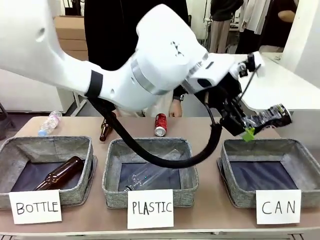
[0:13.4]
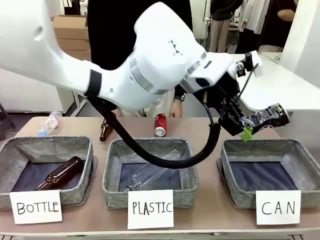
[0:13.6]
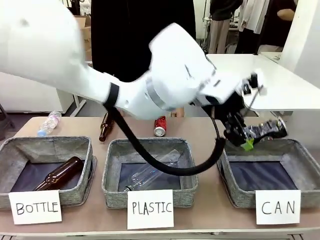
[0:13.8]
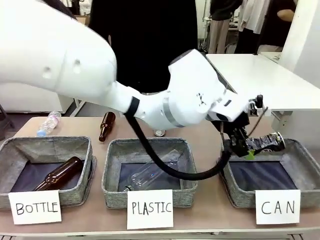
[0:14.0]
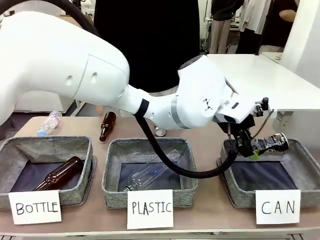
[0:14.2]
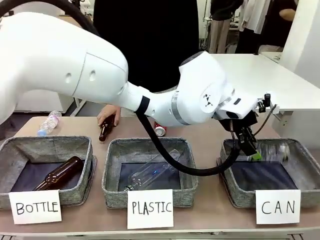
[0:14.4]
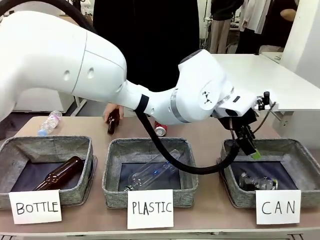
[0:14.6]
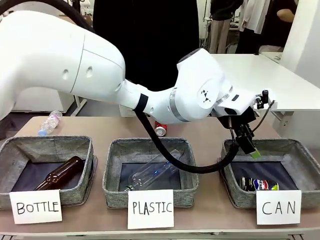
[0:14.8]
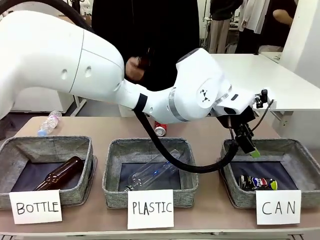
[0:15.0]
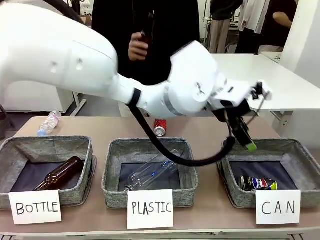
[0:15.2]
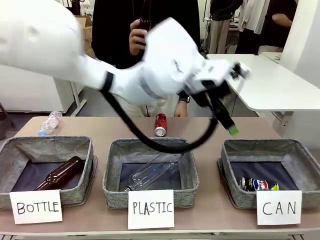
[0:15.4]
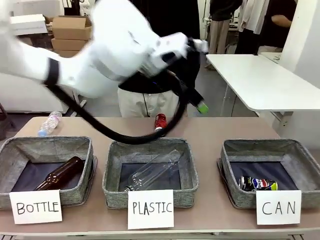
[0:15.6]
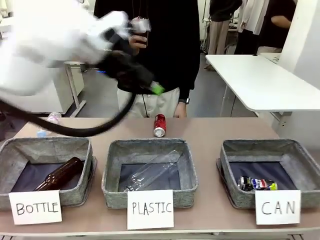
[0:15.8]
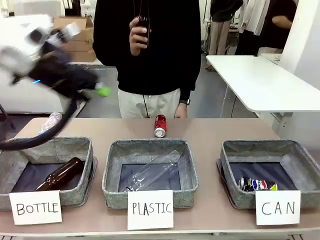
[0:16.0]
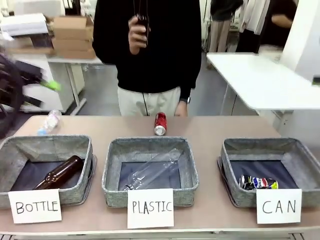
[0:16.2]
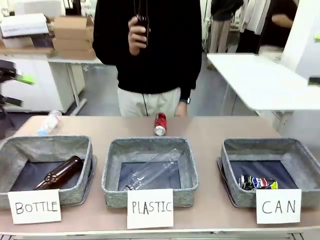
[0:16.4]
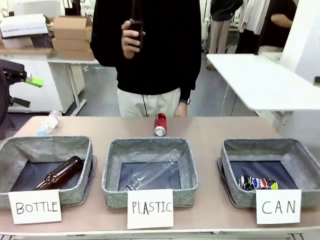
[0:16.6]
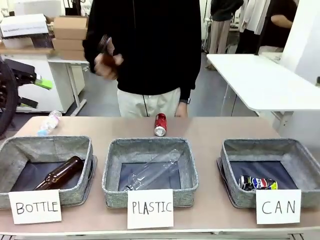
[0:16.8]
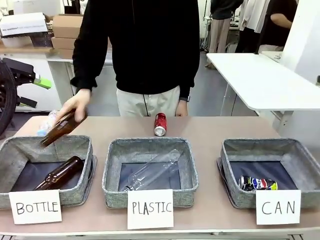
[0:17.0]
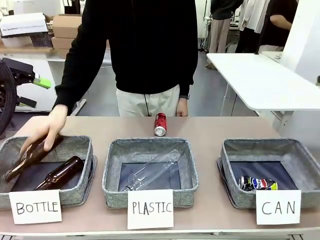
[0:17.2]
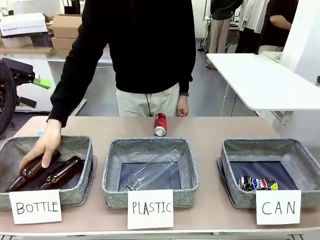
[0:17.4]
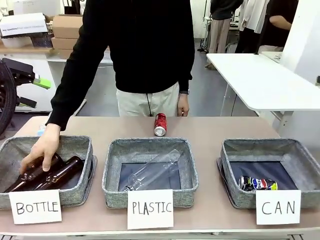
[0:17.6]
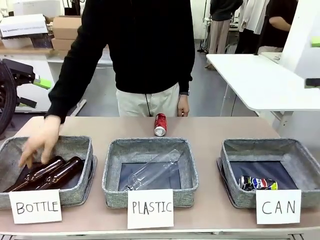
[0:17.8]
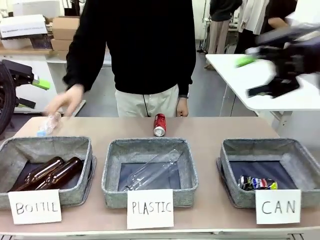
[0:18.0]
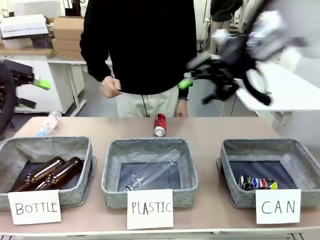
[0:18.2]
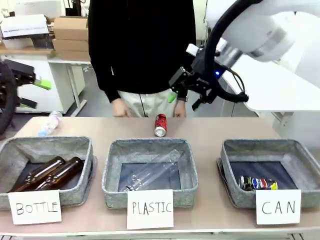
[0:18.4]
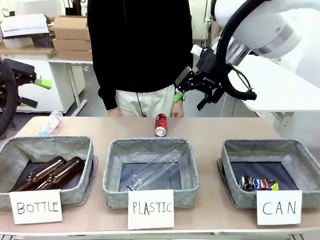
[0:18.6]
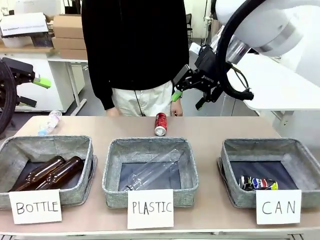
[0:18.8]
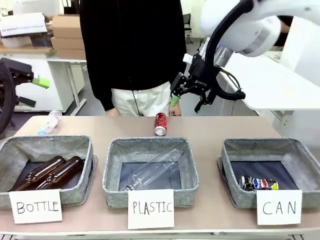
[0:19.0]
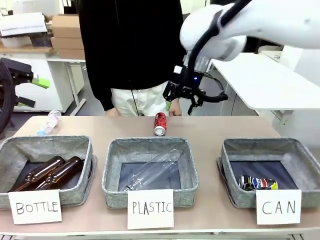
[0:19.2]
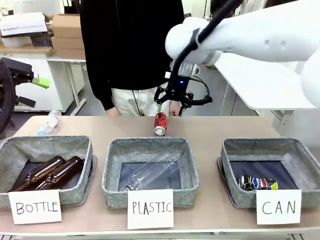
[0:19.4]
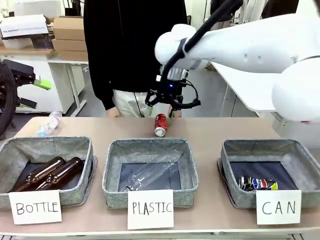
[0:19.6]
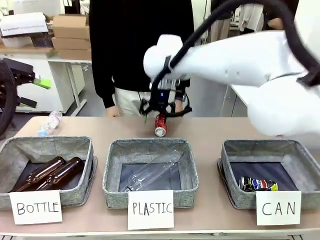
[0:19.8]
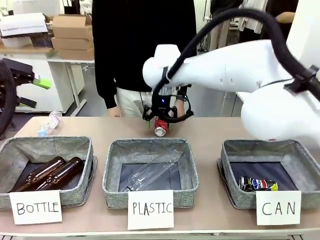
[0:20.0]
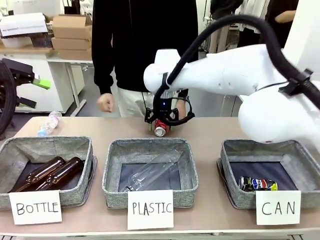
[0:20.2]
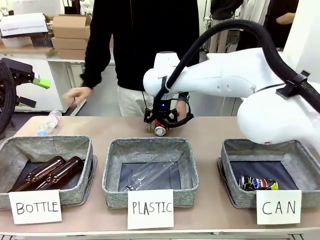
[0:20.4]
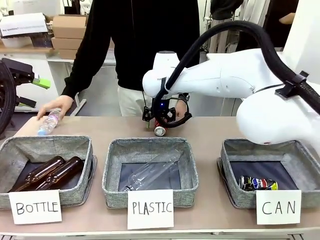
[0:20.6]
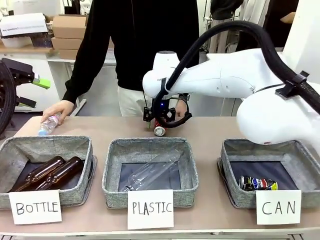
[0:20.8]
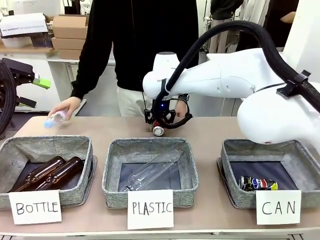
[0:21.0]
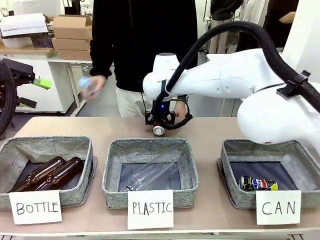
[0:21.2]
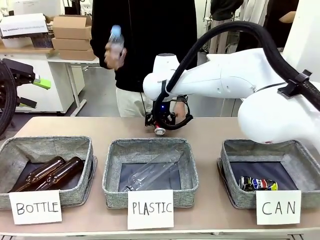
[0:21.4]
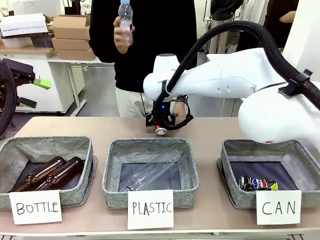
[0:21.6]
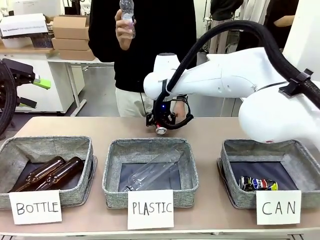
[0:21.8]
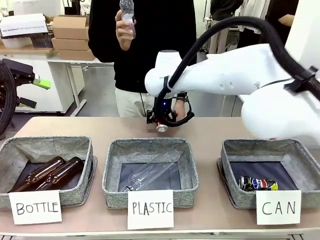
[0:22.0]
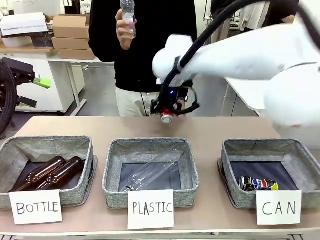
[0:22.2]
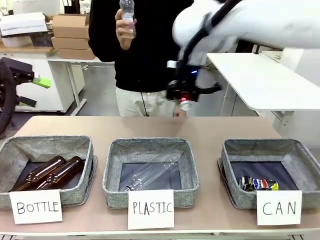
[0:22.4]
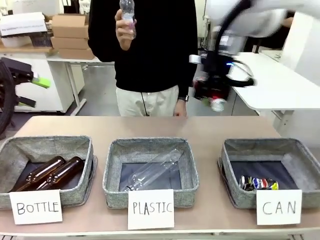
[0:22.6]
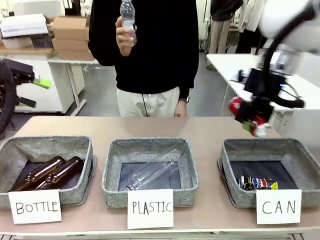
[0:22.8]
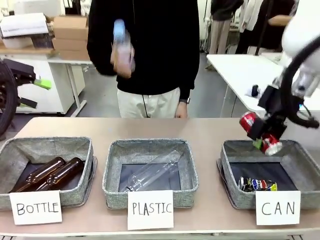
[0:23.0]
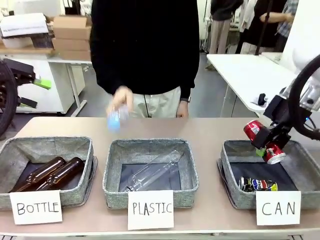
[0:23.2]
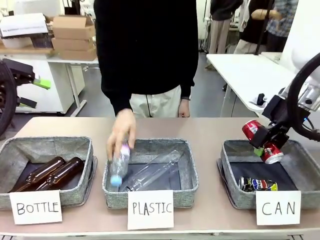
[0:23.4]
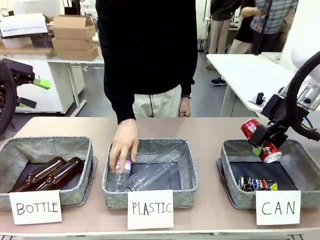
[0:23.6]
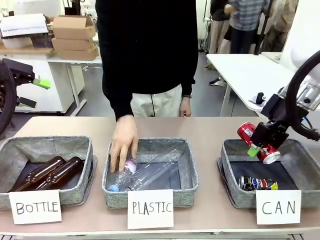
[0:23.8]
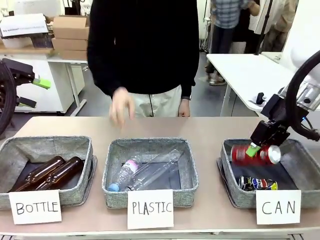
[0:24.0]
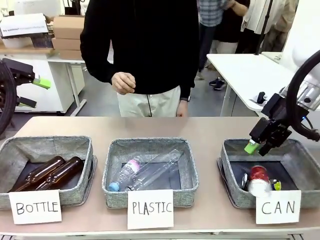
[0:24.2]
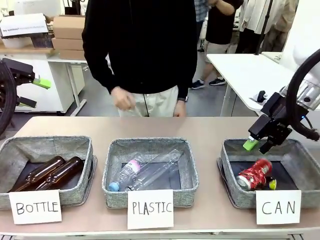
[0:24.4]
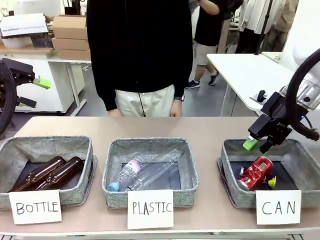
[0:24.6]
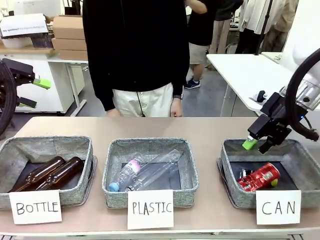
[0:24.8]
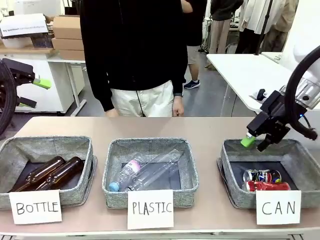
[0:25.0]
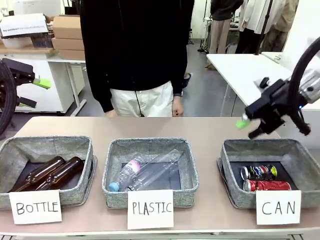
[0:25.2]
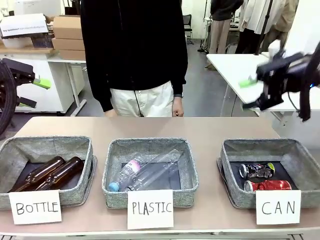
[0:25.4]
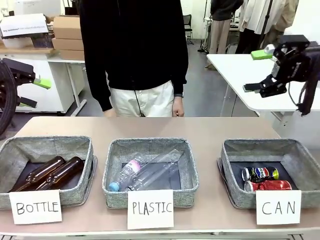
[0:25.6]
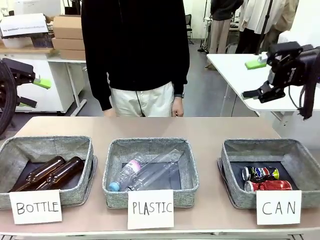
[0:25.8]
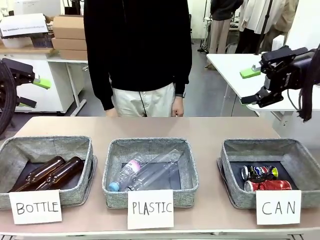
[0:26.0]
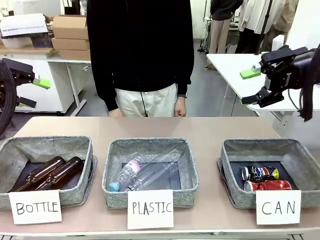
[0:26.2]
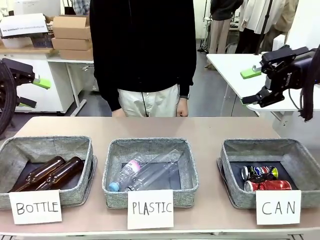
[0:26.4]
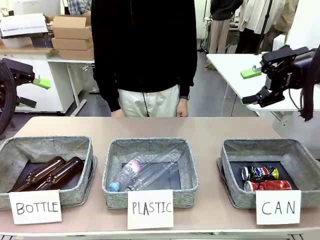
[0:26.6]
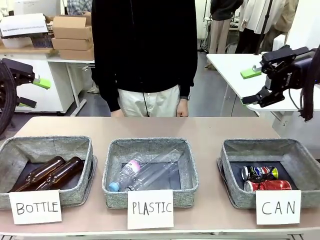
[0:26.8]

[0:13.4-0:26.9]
Task: Sort the can waste into the basket.
Robot: Pick up the can waste from the table and place it in the right Fabric basket.
Person: The human picks up one piece of trash that is not a can and places the trash into the appropriate organizing basket.
